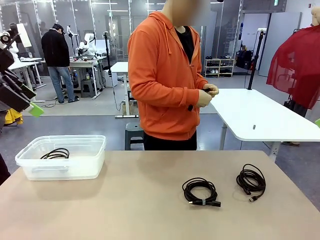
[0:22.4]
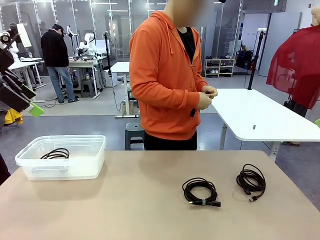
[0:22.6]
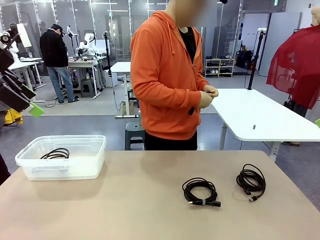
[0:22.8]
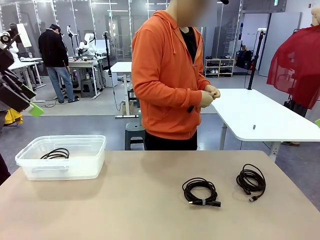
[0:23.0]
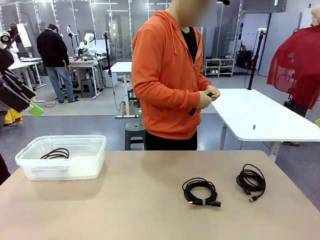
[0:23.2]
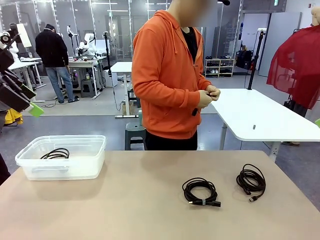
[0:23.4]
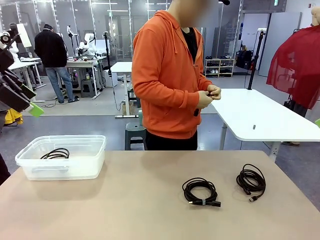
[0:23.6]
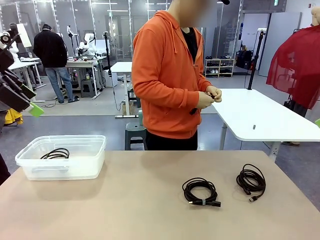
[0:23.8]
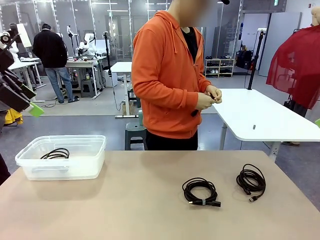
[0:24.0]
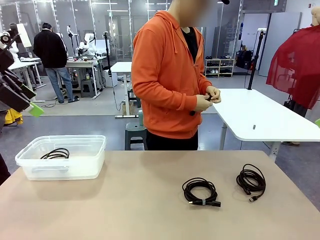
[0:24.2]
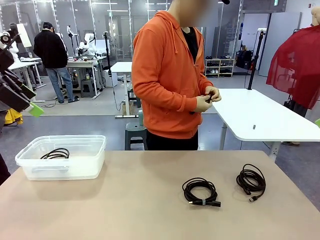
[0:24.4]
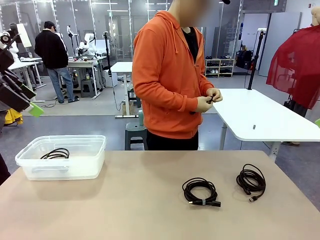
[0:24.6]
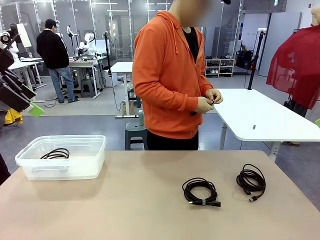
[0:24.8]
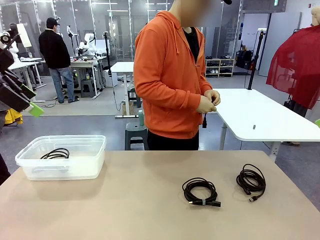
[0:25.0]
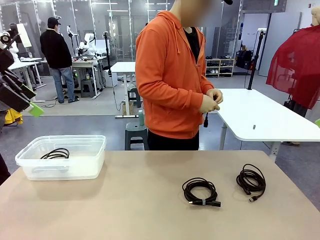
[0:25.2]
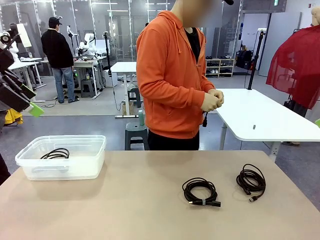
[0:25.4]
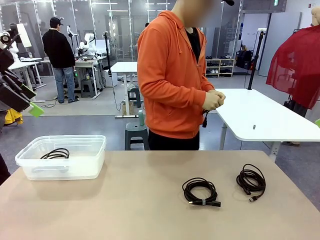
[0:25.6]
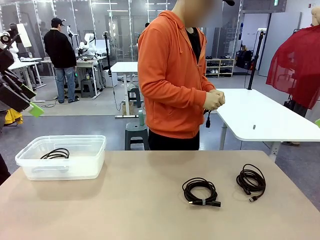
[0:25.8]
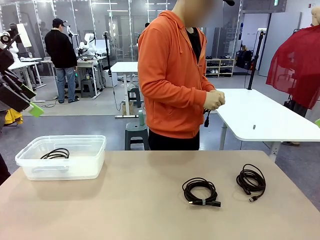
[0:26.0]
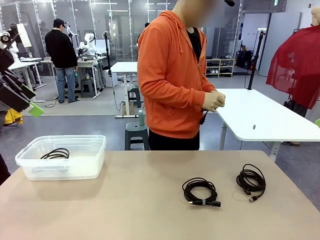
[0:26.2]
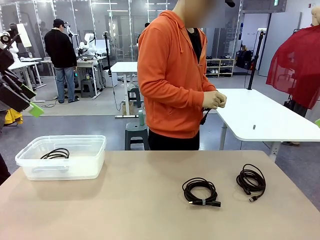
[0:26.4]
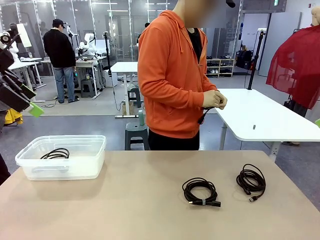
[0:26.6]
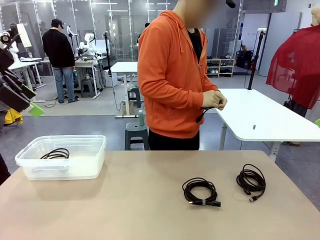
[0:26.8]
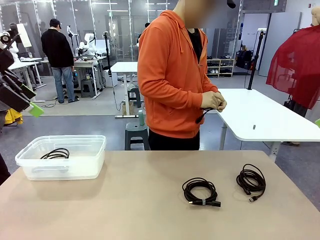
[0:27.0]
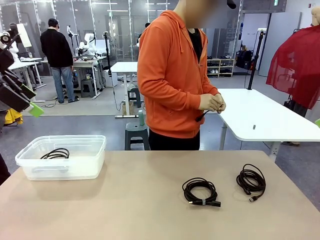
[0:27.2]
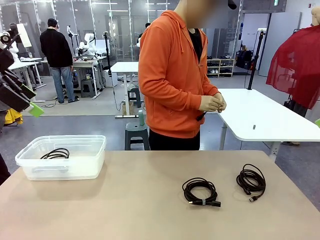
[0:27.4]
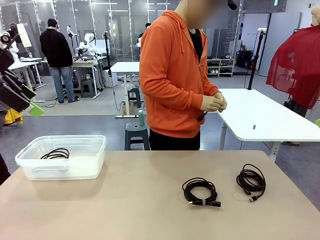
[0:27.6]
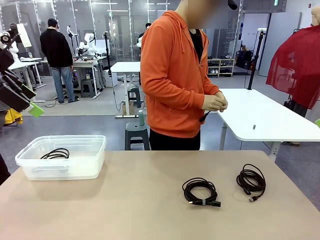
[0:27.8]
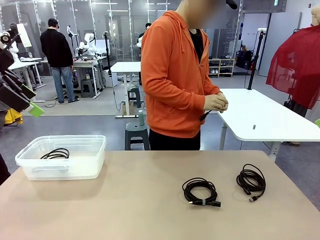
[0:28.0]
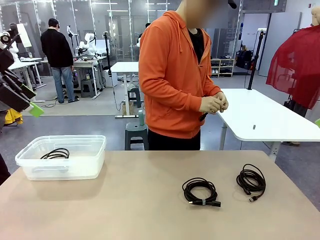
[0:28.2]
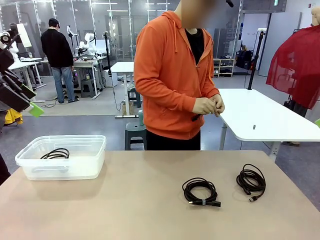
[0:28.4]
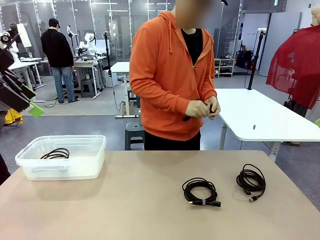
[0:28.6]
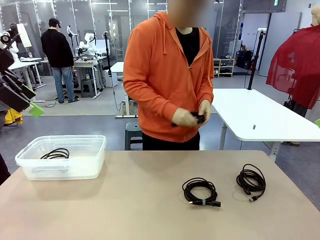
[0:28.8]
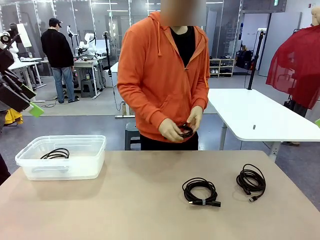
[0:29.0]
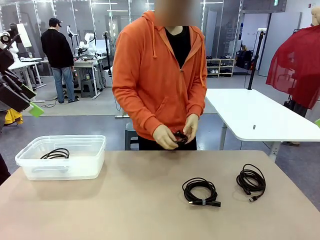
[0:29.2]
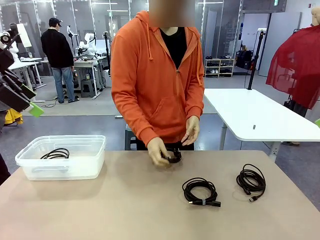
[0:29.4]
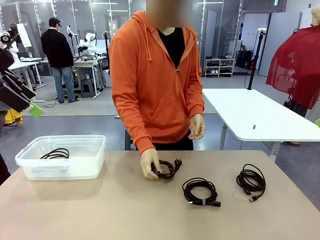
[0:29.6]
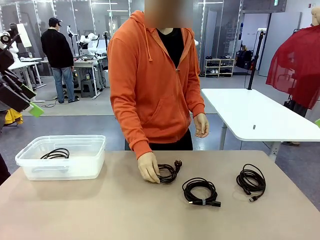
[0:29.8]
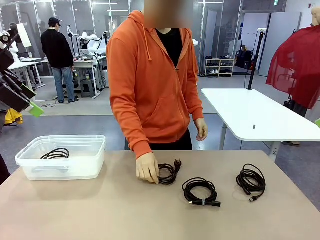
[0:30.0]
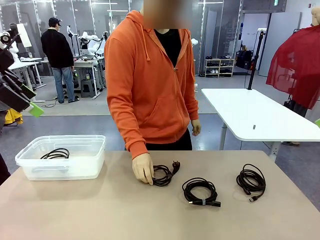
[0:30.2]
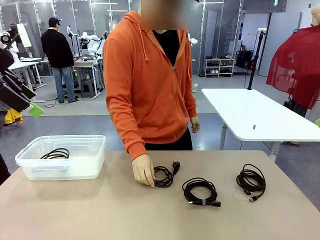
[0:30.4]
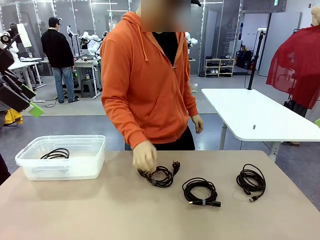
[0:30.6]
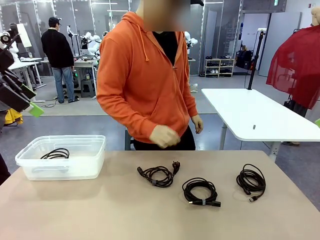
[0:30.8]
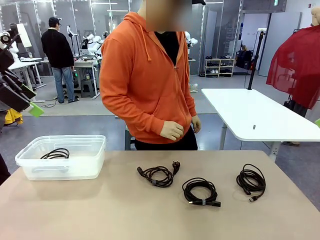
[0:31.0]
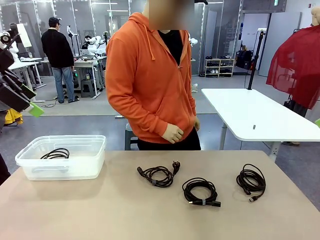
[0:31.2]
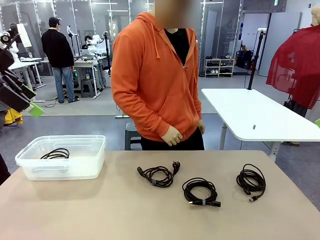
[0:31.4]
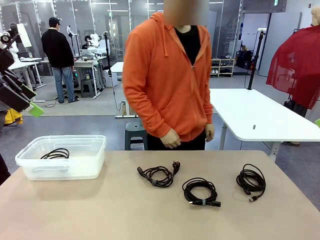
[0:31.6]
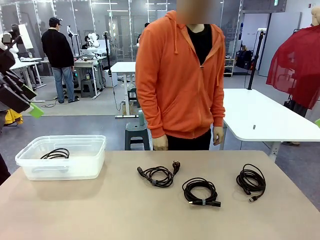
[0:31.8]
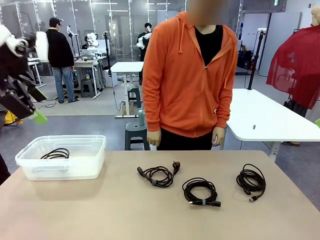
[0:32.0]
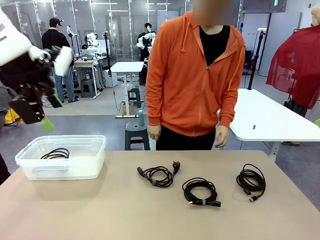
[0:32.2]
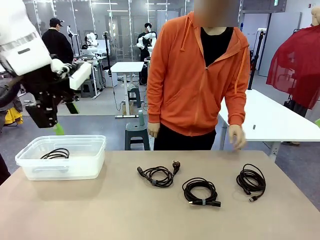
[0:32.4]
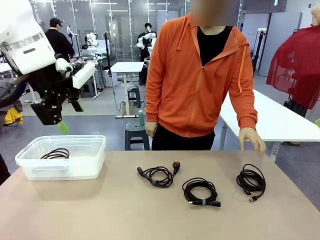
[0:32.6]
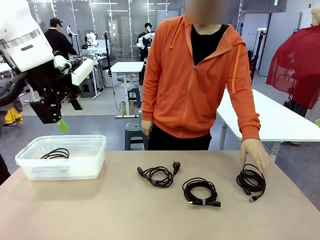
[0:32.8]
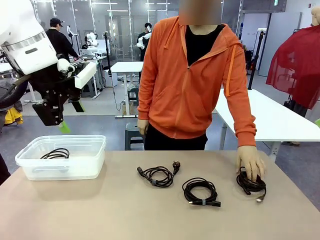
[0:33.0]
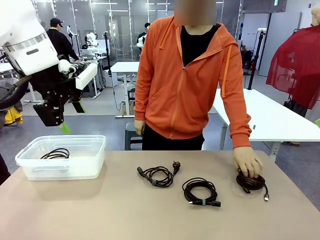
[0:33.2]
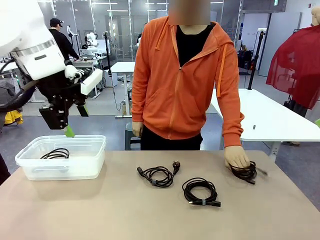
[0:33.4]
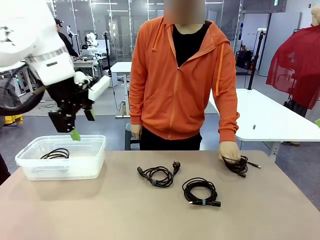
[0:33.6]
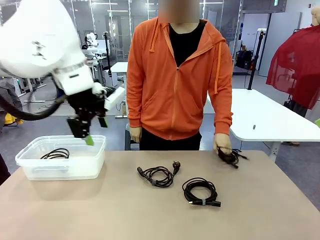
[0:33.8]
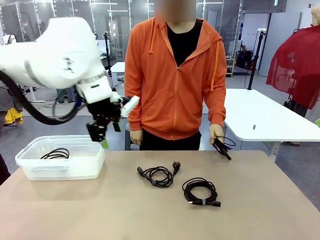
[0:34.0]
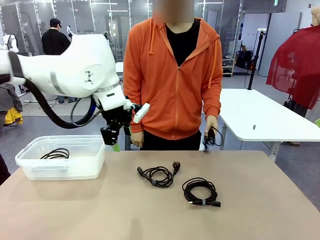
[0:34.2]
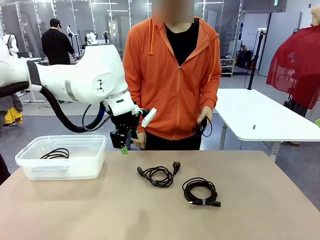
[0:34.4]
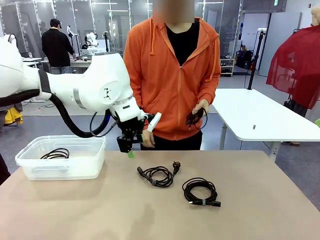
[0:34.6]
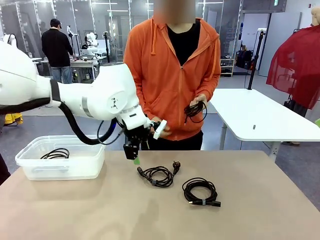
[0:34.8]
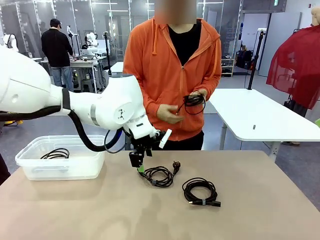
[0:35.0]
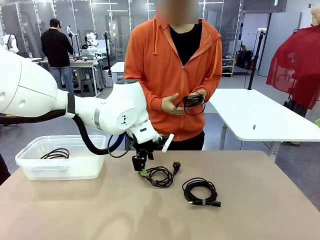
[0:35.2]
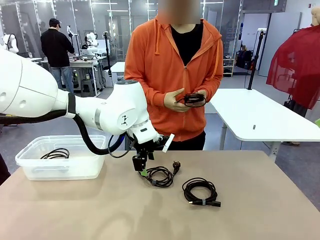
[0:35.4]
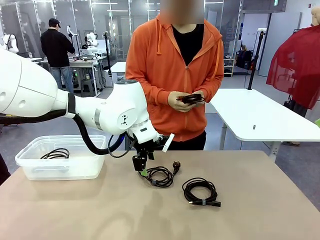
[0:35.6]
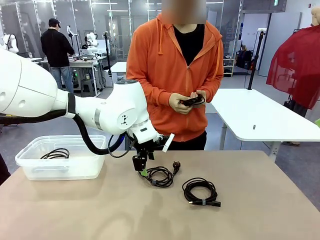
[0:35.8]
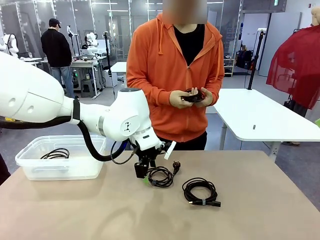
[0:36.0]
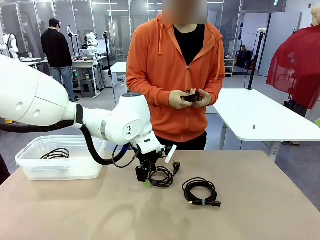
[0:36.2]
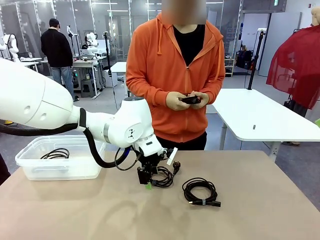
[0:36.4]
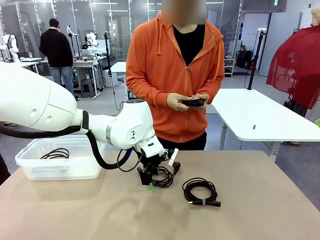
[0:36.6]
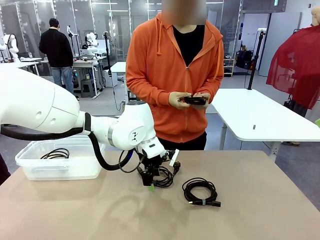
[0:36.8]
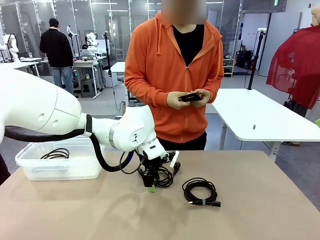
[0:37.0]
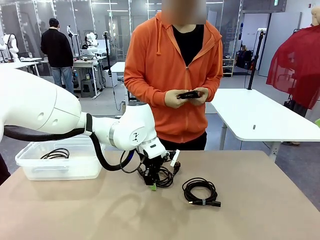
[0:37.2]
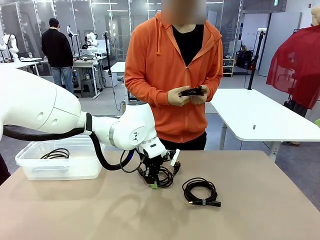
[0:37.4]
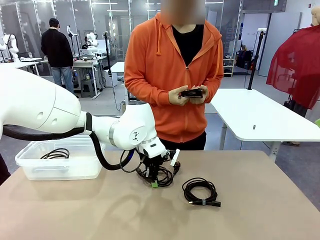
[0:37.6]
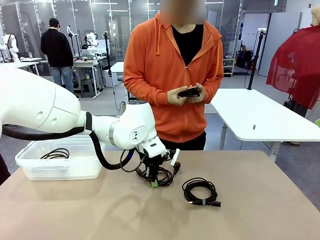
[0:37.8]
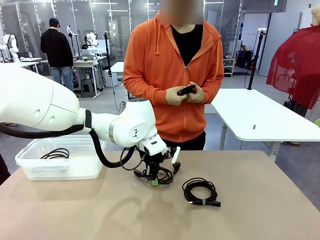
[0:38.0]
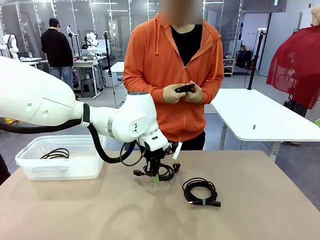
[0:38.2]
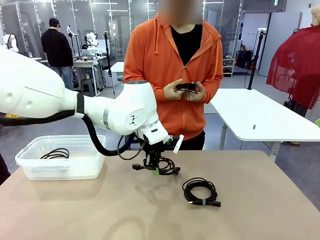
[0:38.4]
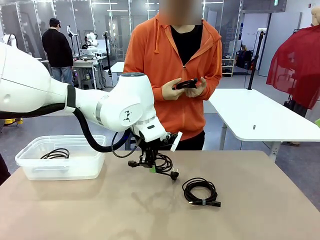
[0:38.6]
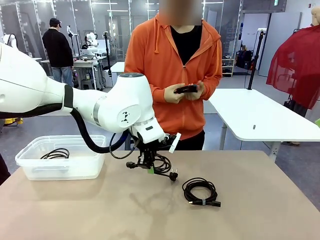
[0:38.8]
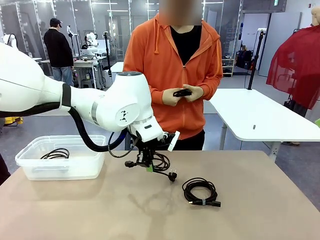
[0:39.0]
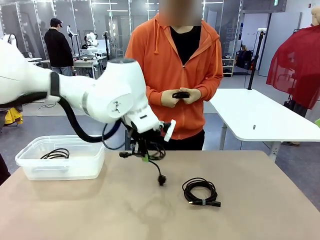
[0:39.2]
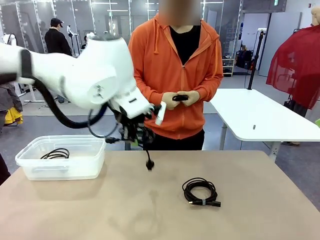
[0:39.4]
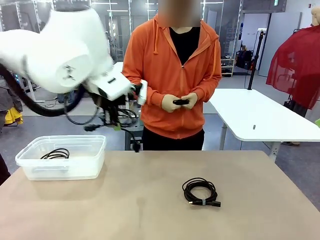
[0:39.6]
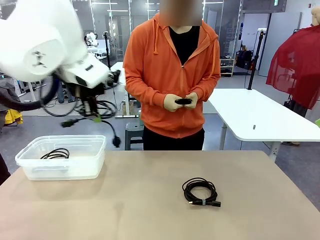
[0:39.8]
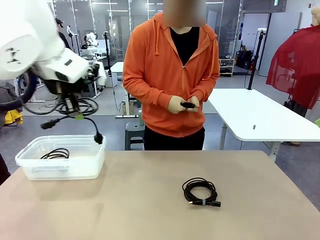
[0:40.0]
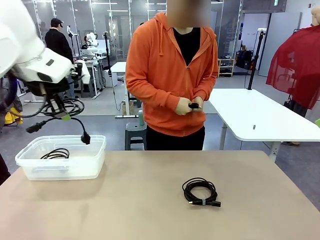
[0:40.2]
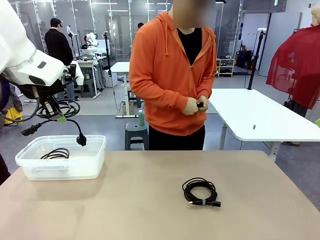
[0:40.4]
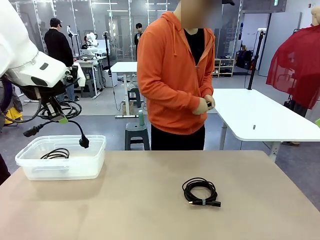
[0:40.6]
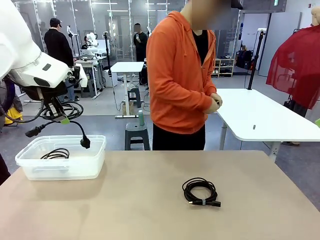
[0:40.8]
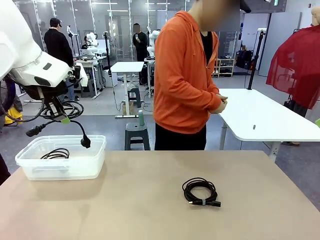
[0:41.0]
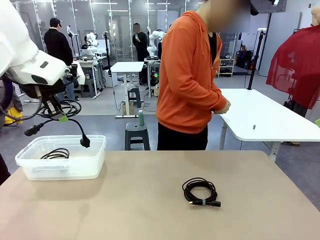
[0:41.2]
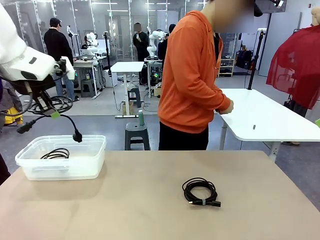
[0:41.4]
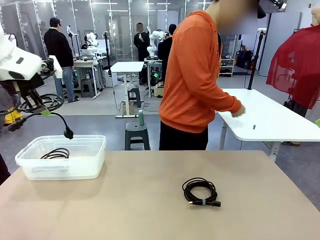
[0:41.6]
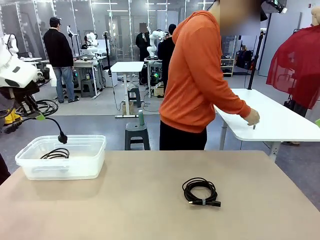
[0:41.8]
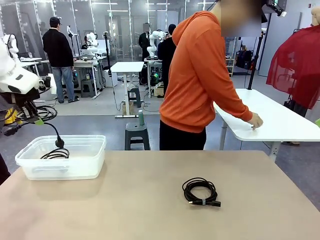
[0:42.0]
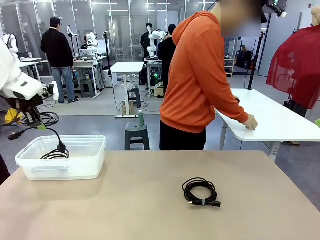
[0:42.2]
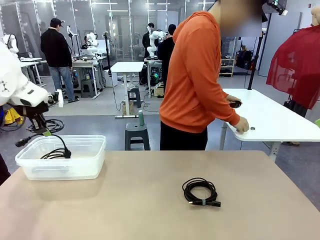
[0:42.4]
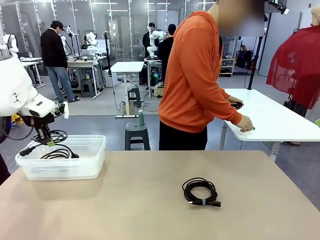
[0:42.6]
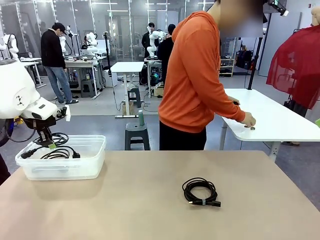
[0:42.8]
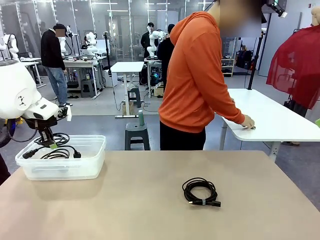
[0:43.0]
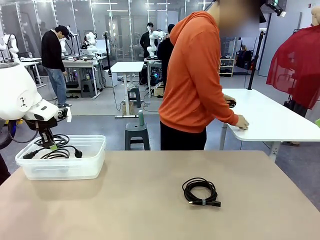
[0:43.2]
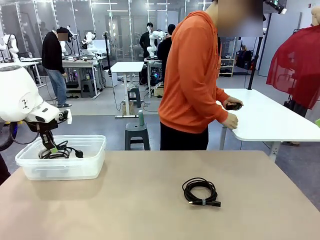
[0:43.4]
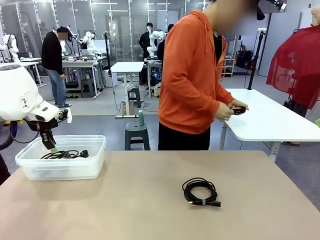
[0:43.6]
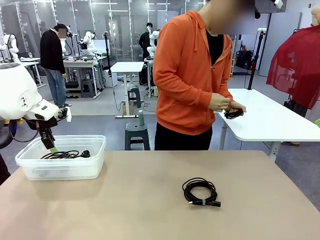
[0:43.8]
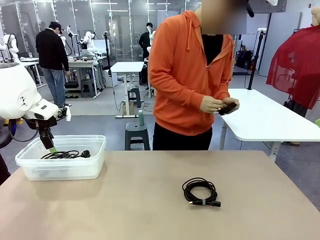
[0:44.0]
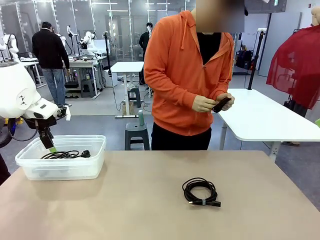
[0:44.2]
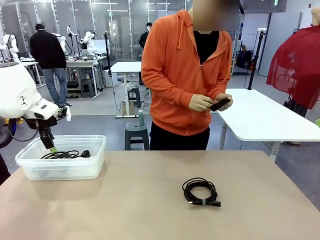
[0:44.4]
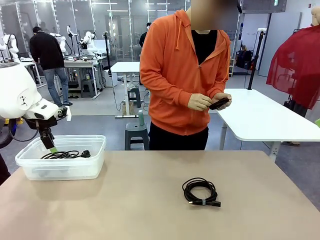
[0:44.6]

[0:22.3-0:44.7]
Task: Organize and store the cables.
Robot: Place the Power Cable into the Organizing box.
